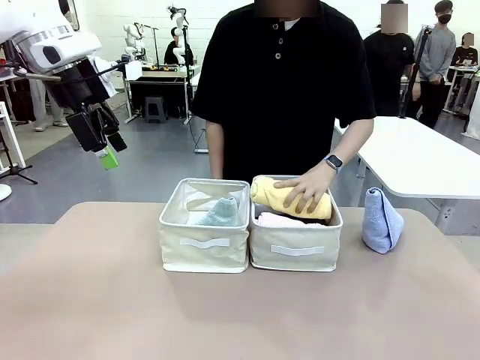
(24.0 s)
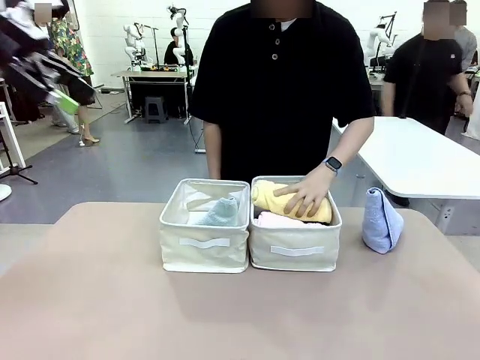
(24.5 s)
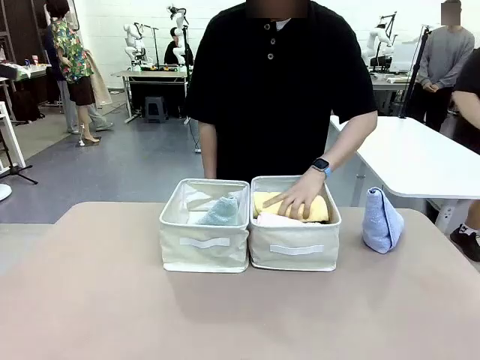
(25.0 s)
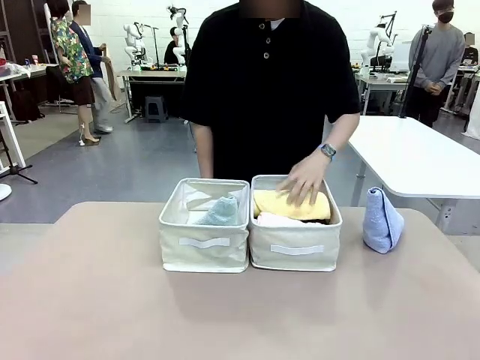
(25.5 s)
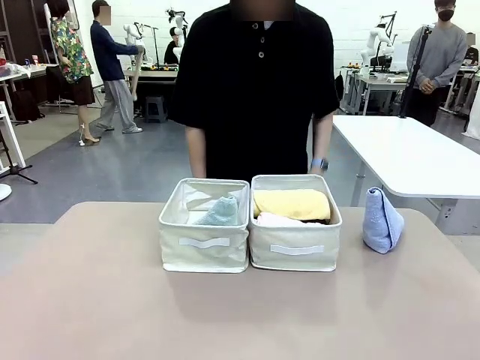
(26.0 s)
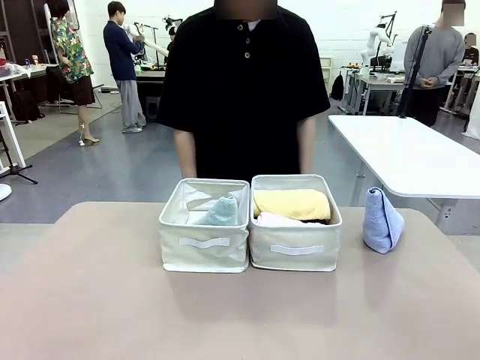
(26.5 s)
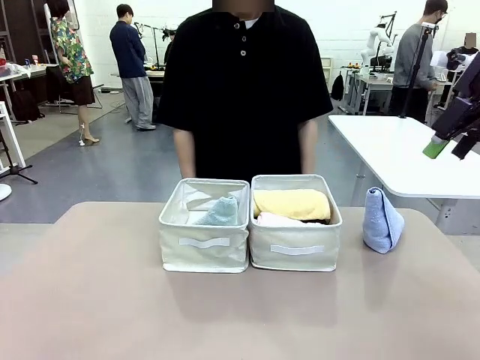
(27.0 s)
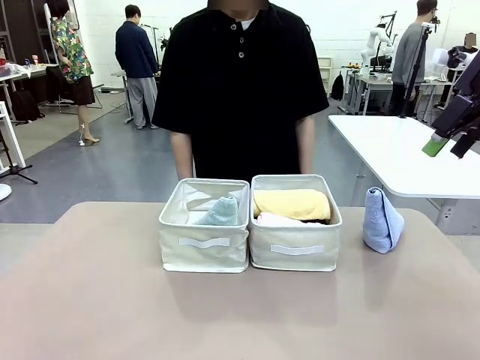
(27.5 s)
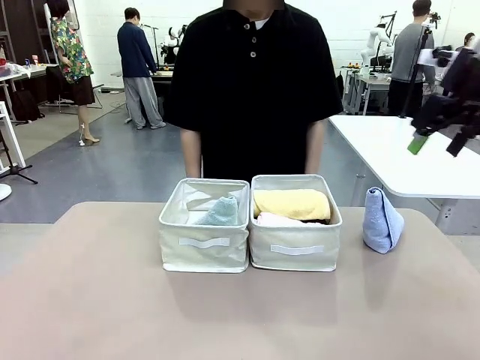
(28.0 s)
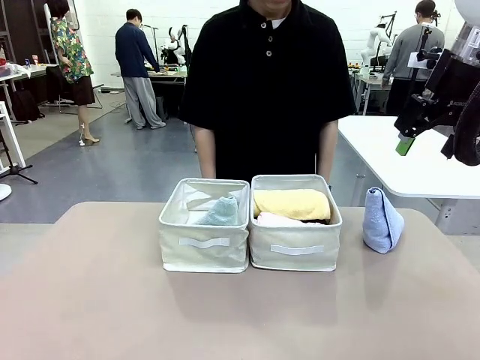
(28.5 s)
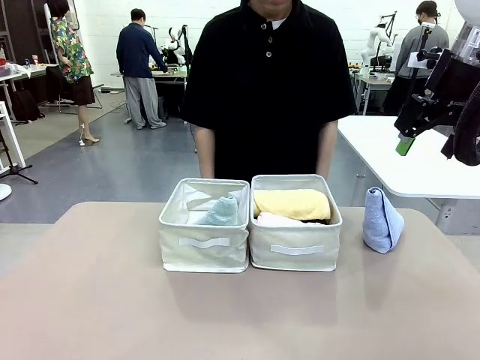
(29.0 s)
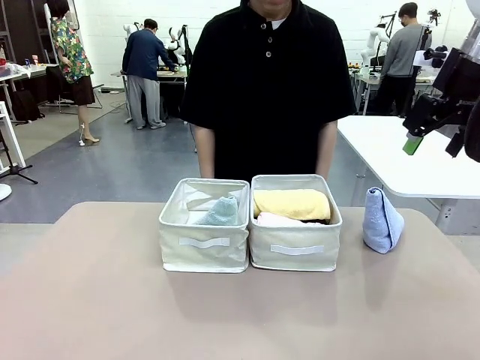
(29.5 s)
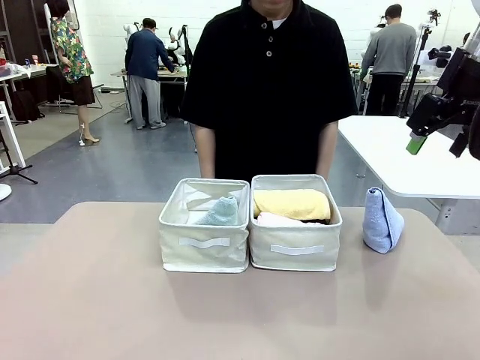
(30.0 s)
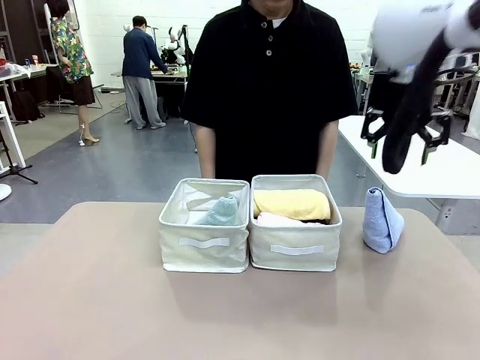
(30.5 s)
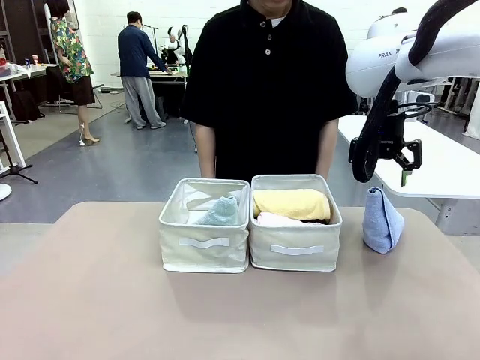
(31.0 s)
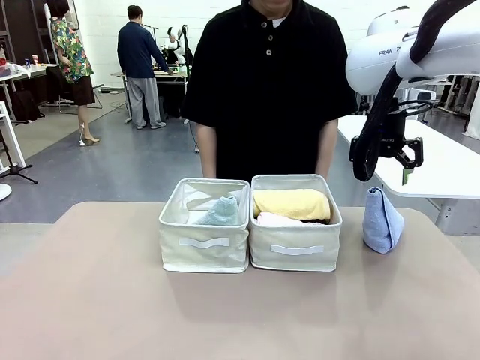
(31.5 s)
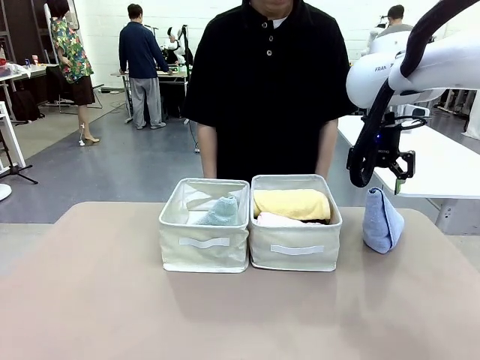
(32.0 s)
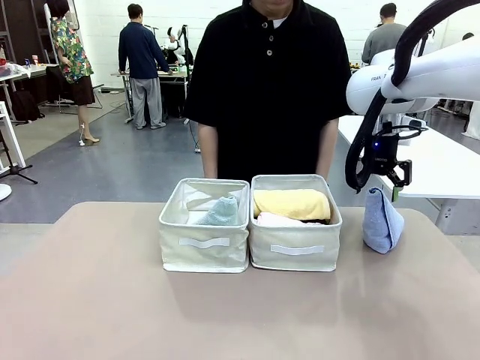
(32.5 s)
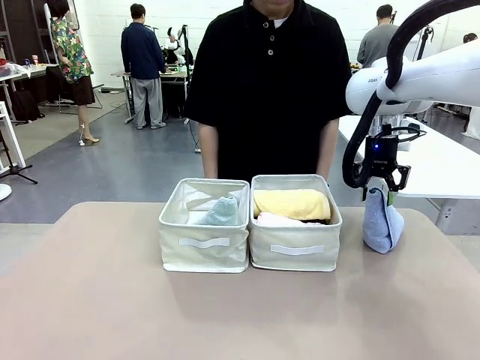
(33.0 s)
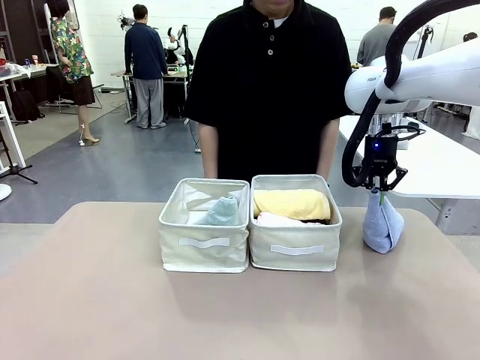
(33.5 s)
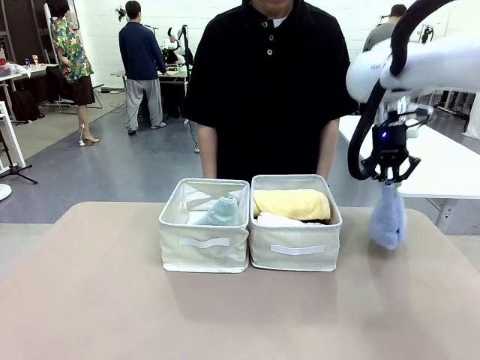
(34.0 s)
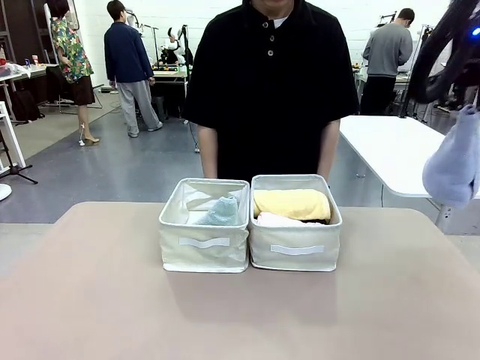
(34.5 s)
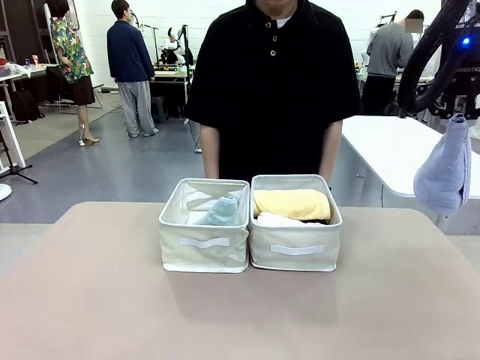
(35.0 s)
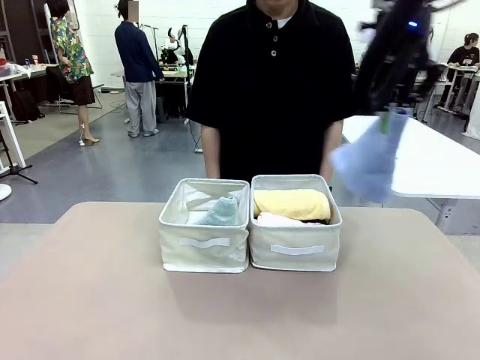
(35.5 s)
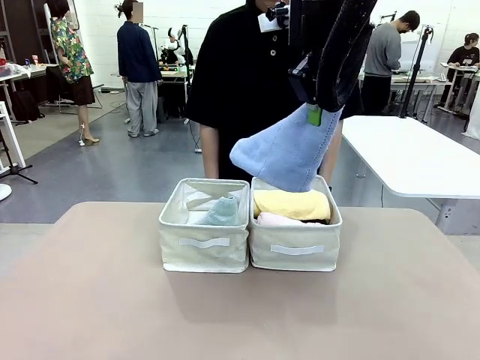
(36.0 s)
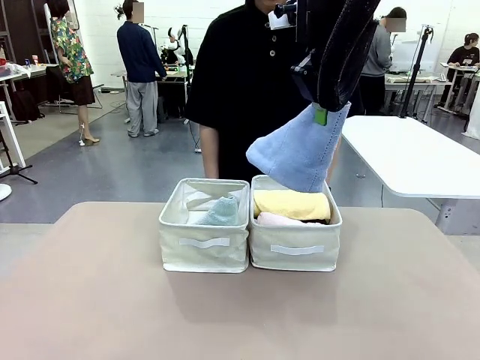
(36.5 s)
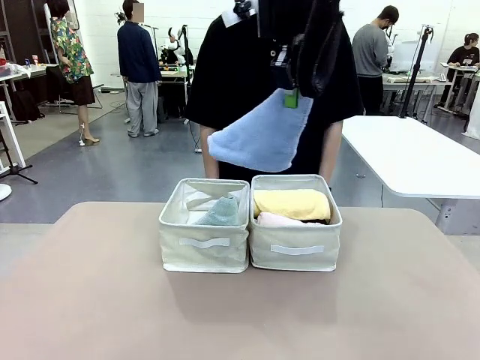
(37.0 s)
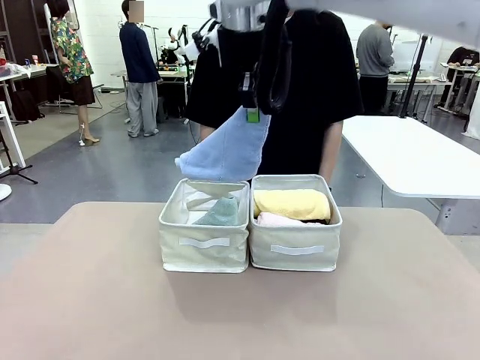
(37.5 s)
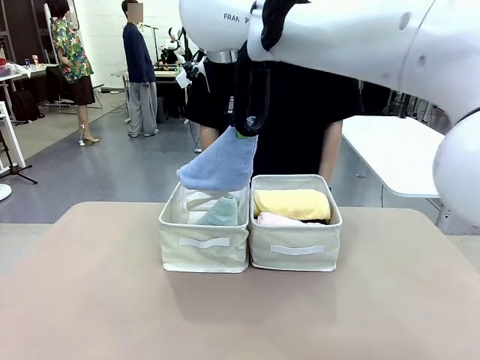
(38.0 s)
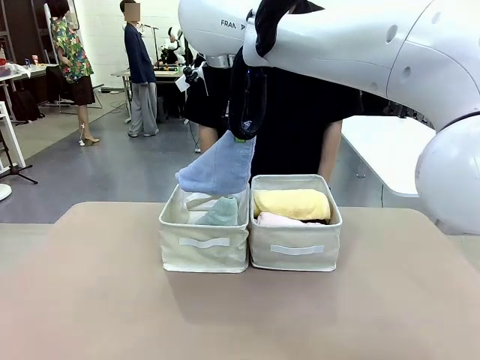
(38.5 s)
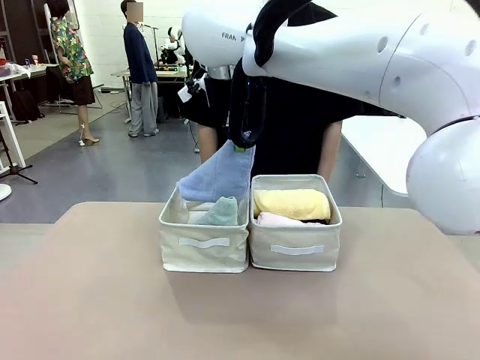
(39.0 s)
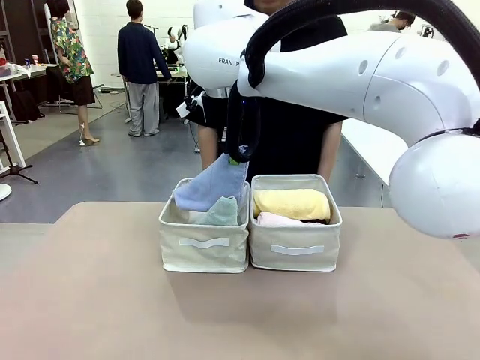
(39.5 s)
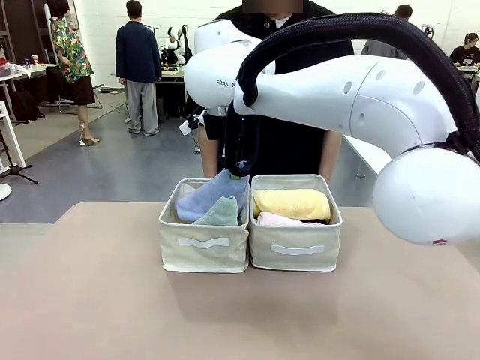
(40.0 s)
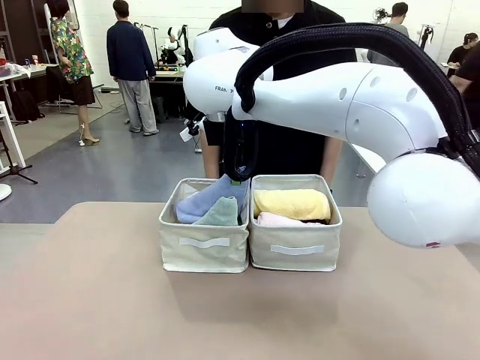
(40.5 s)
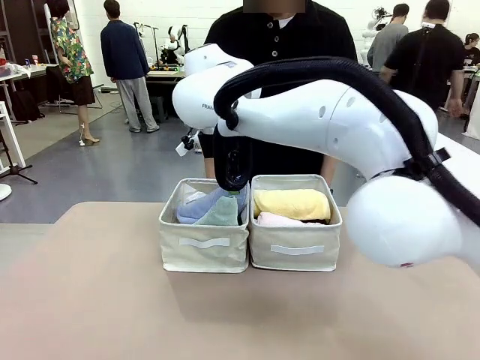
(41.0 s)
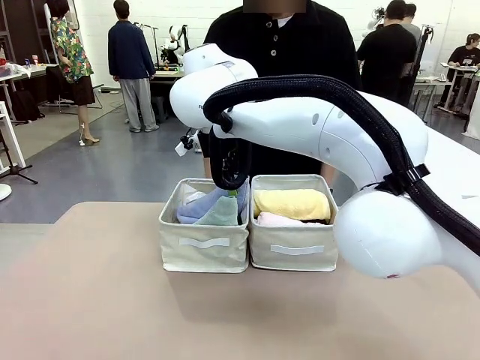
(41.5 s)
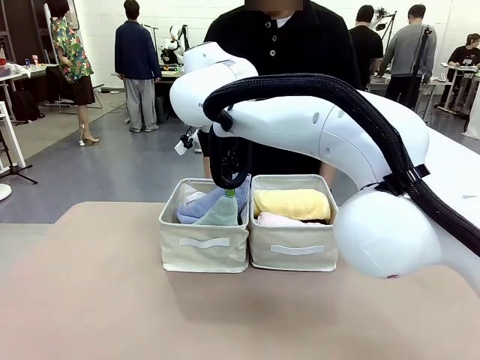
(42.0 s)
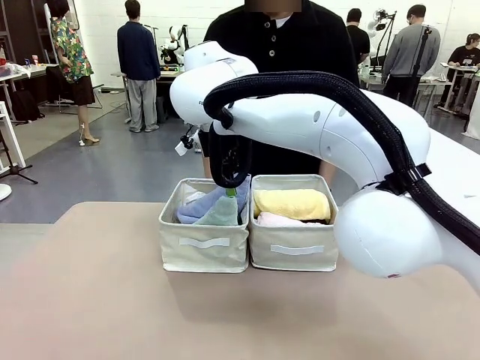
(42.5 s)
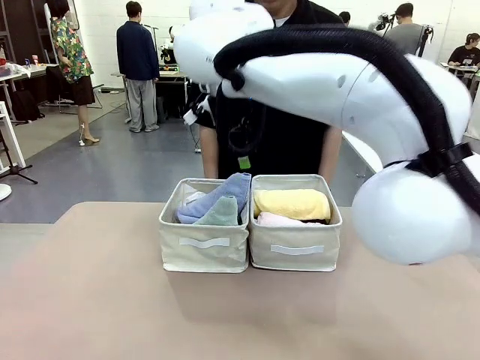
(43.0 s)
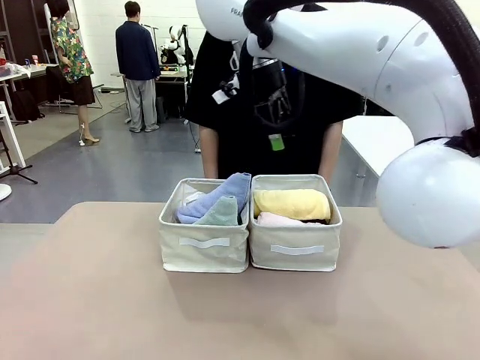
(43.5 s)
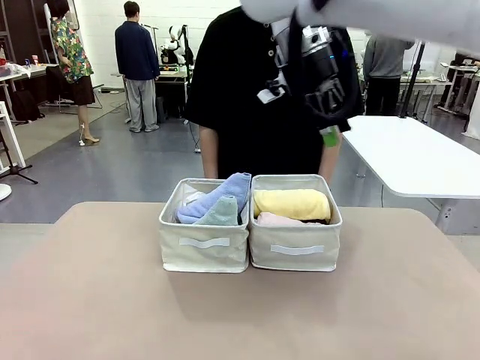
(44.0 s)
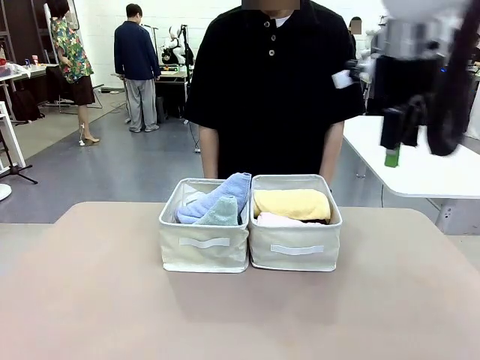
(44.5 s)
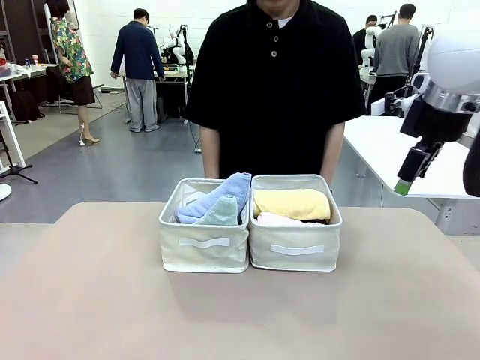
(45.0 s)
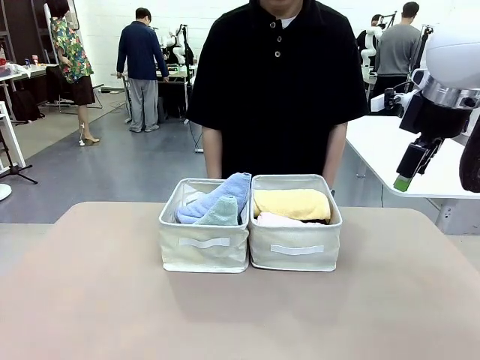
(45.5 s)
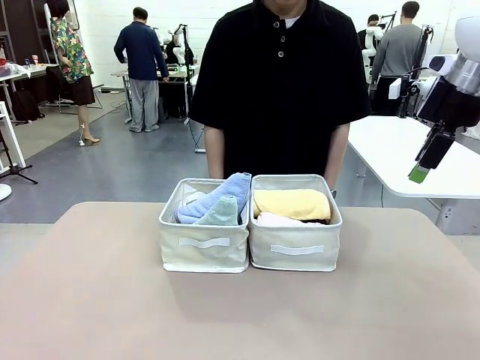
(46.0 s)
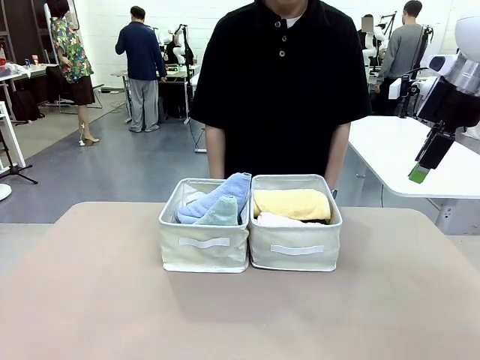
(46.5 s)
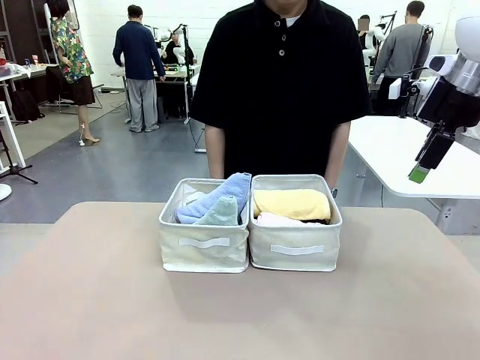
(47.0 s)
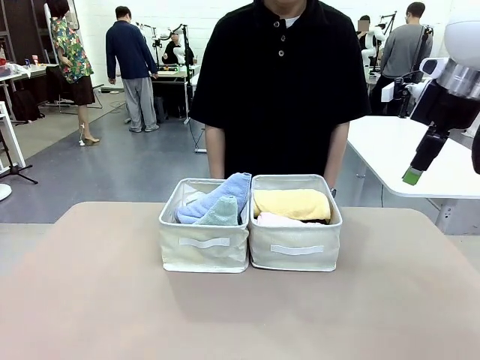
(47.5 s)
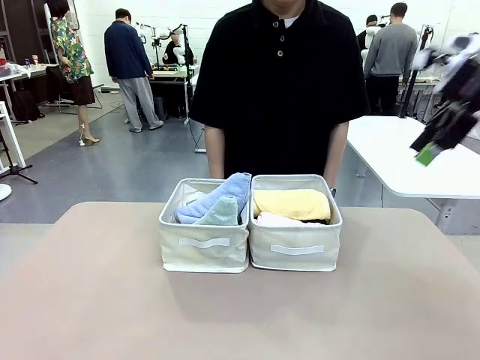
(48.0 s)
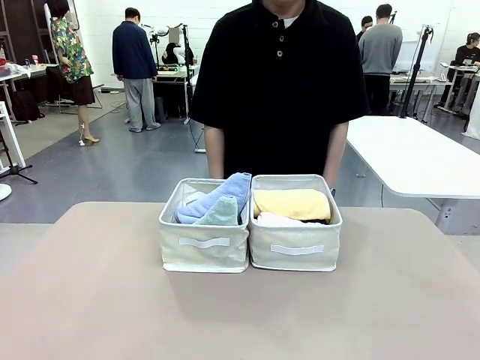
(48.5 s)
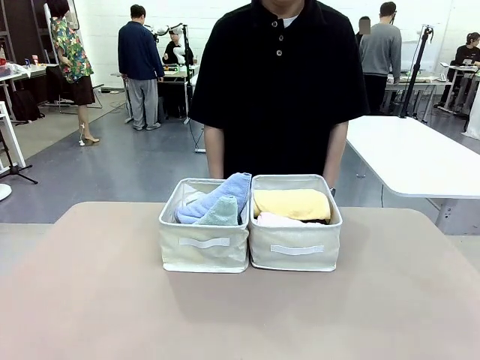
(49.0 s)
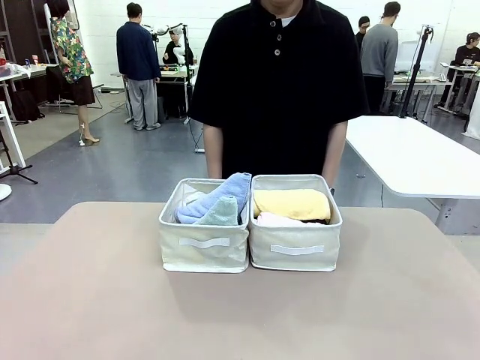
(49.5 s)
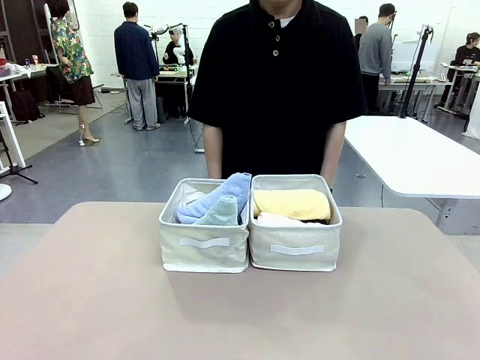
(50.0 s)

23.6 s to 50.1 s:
Task: Sort the towels based on their folding style.
Robot: Pick up another triangle-folded towel from the table and place it in the left Fabric basket.
Person: Pick up one hotel-style rolled towel from the table and place it in the left fabric basket.
